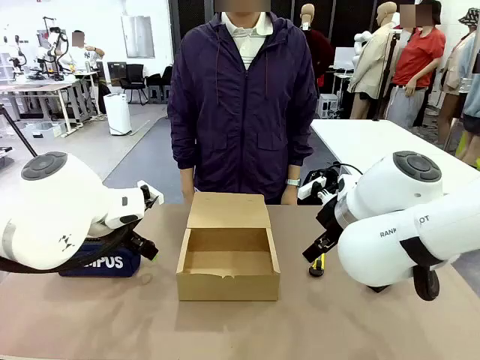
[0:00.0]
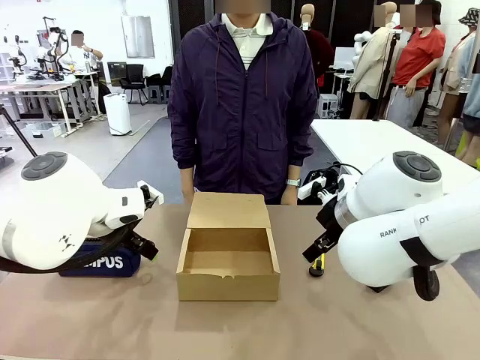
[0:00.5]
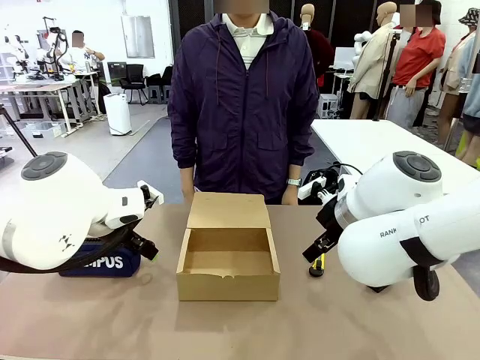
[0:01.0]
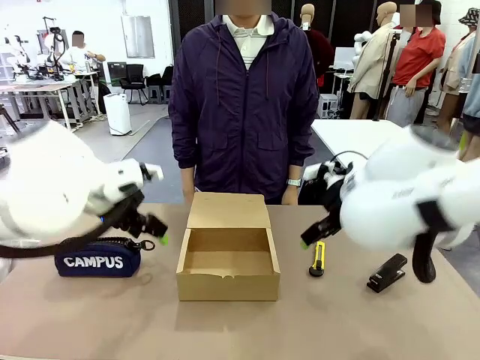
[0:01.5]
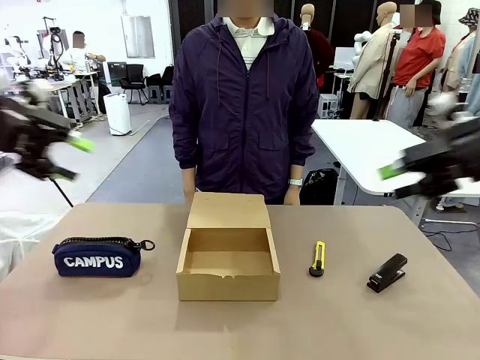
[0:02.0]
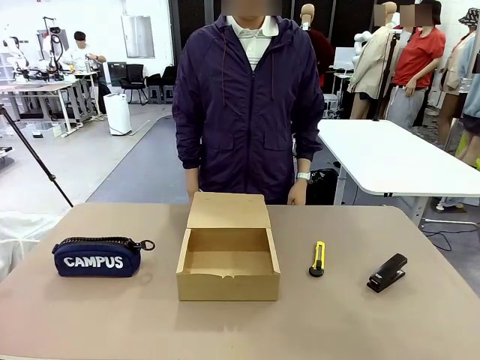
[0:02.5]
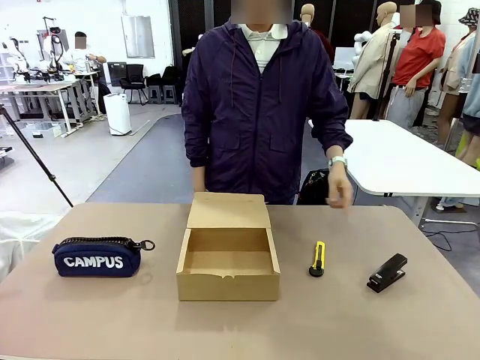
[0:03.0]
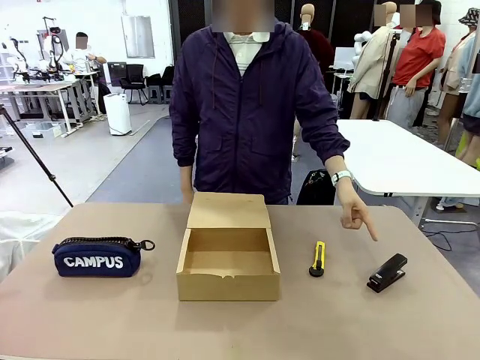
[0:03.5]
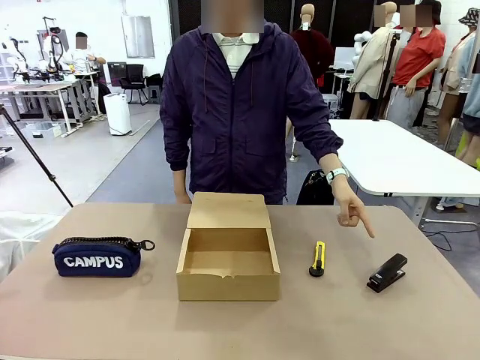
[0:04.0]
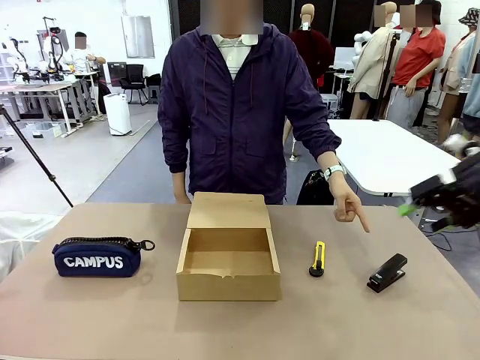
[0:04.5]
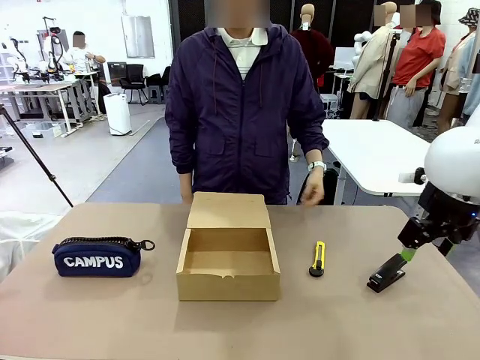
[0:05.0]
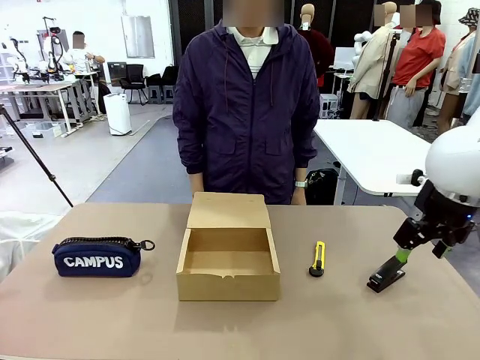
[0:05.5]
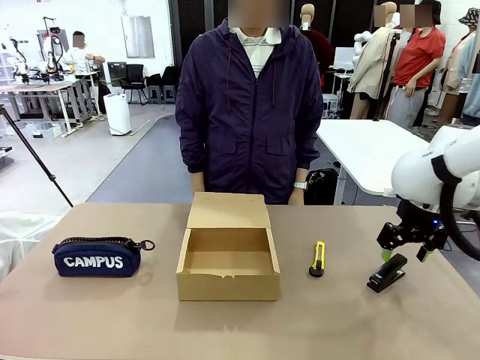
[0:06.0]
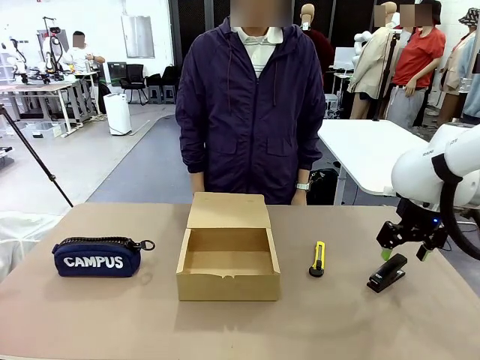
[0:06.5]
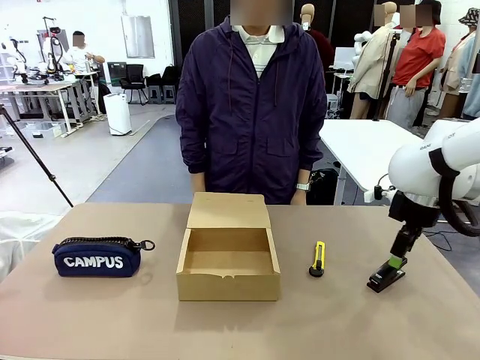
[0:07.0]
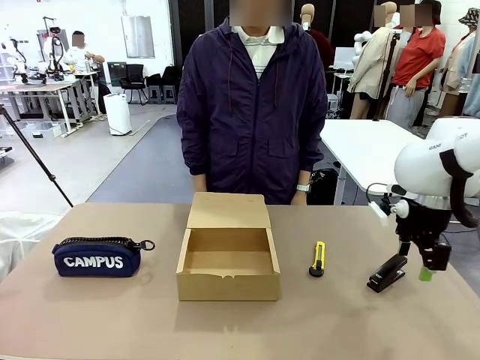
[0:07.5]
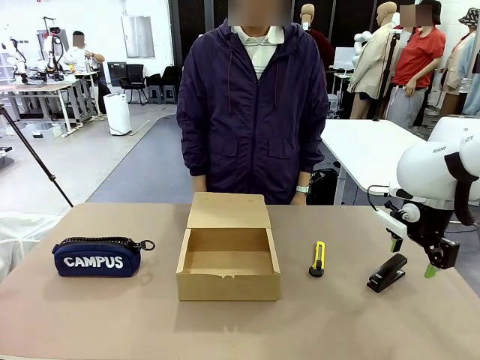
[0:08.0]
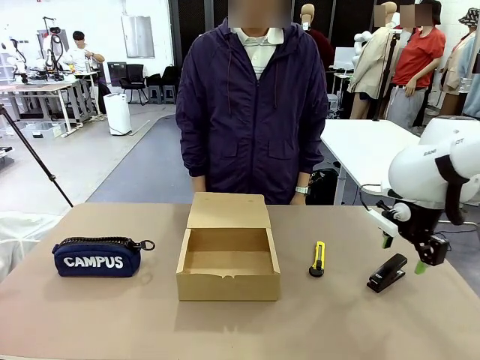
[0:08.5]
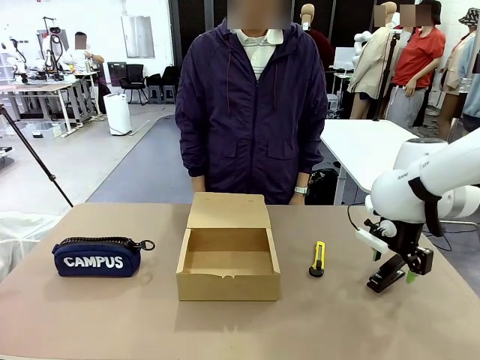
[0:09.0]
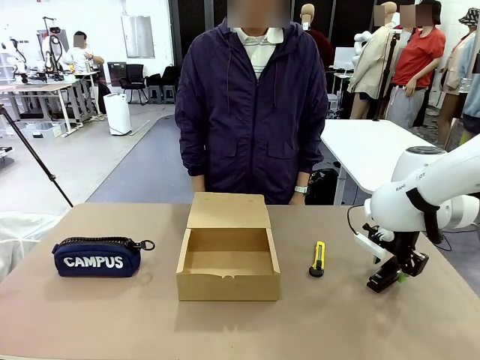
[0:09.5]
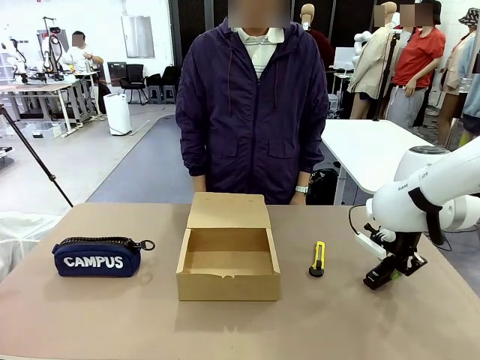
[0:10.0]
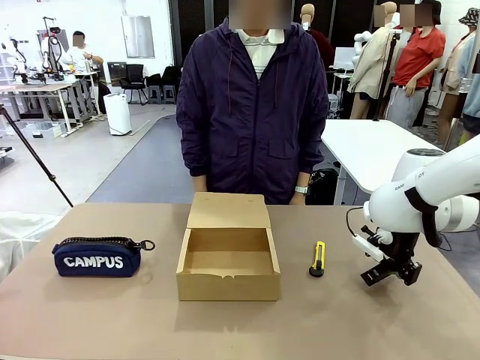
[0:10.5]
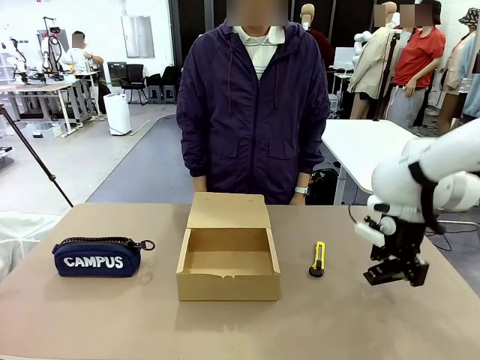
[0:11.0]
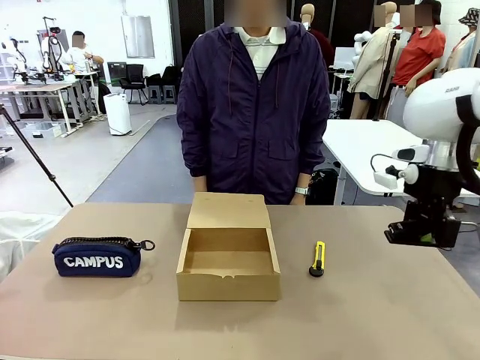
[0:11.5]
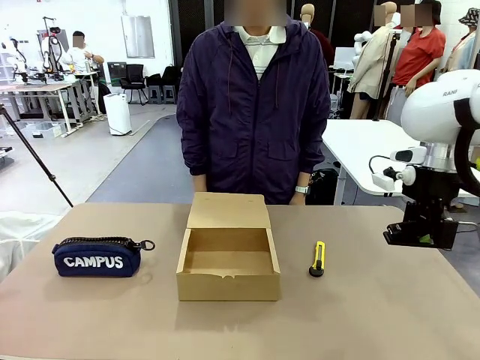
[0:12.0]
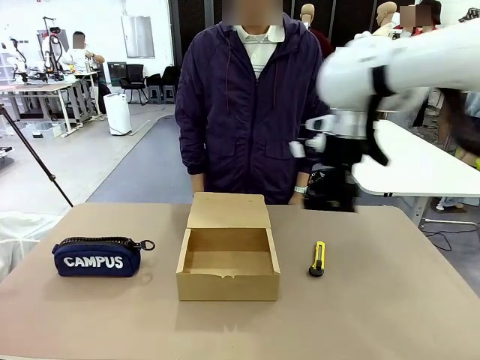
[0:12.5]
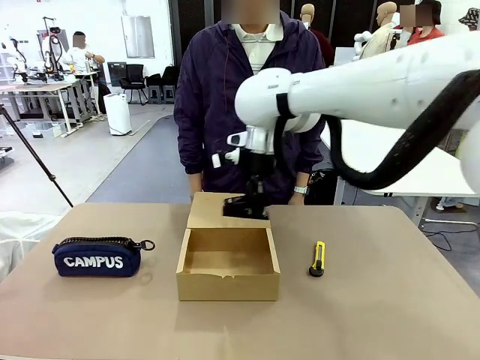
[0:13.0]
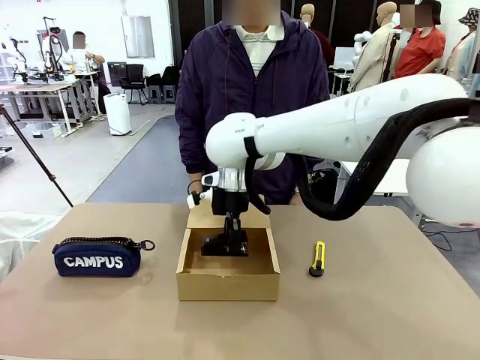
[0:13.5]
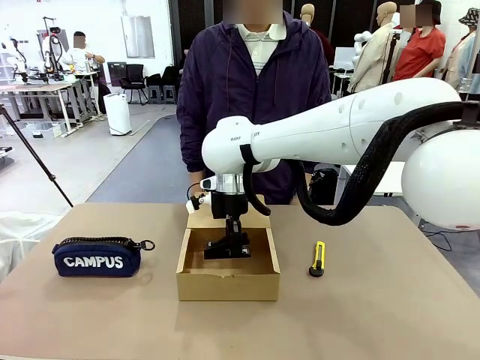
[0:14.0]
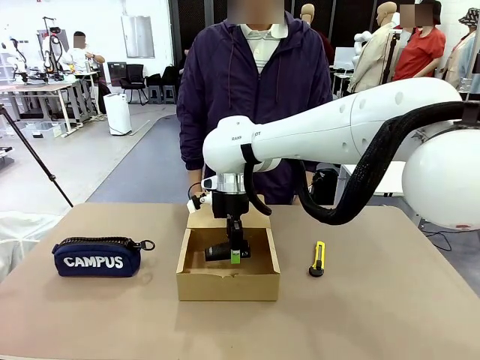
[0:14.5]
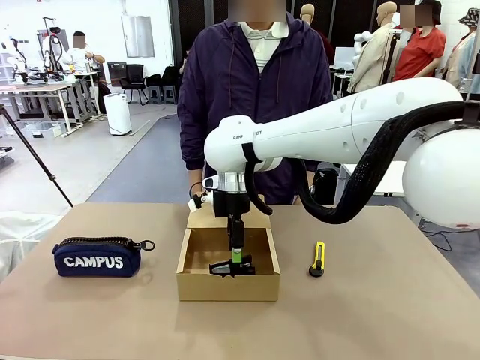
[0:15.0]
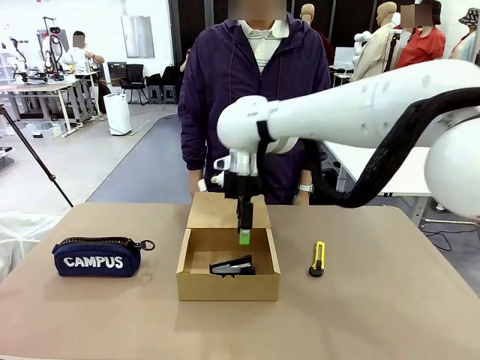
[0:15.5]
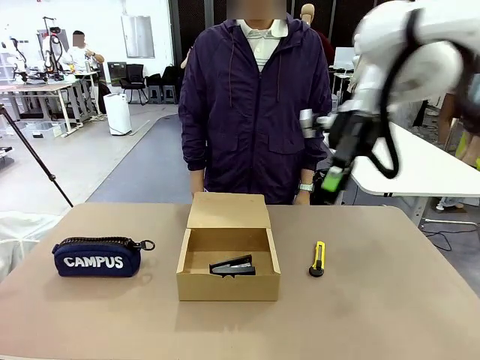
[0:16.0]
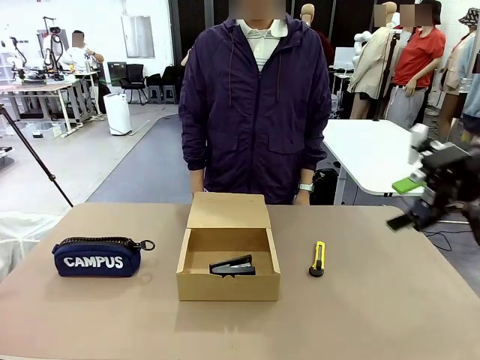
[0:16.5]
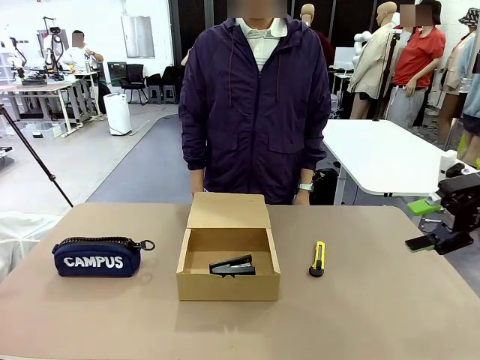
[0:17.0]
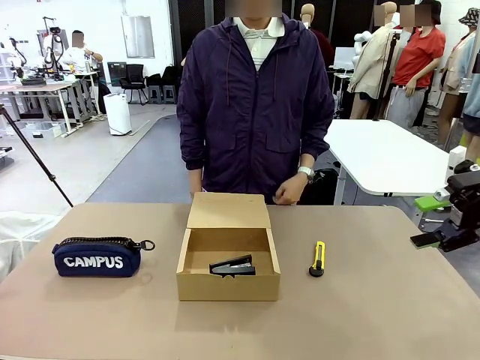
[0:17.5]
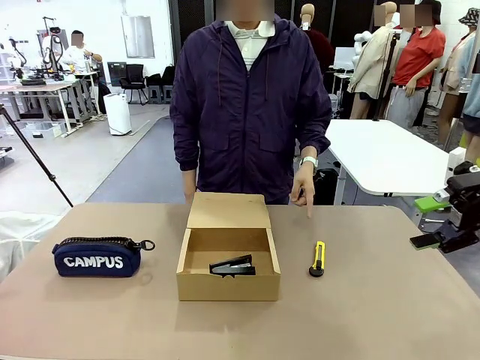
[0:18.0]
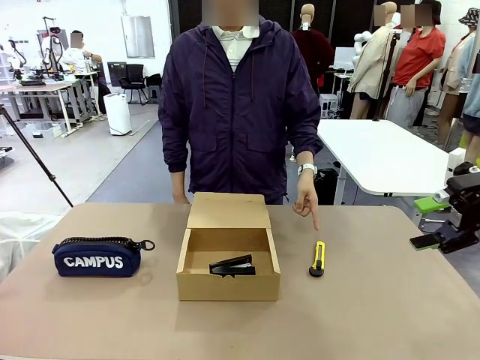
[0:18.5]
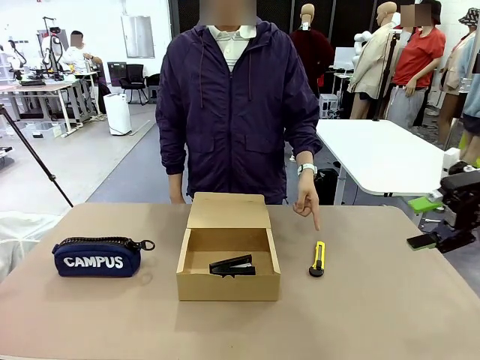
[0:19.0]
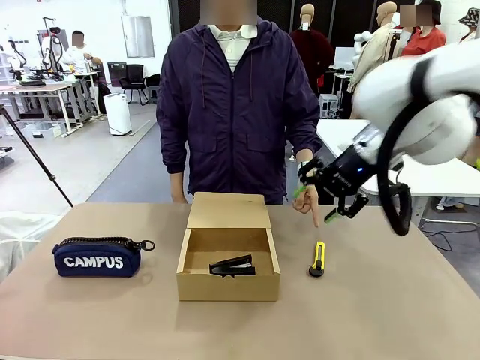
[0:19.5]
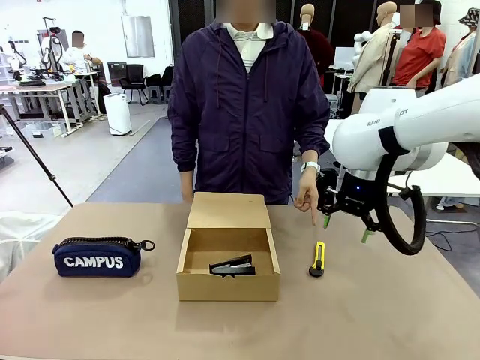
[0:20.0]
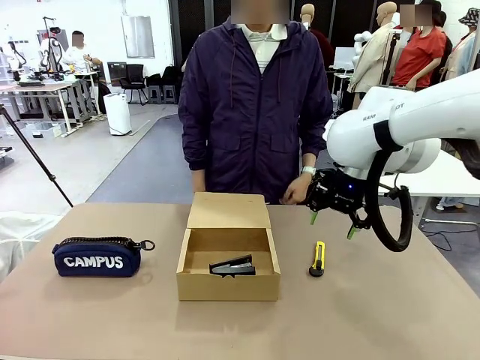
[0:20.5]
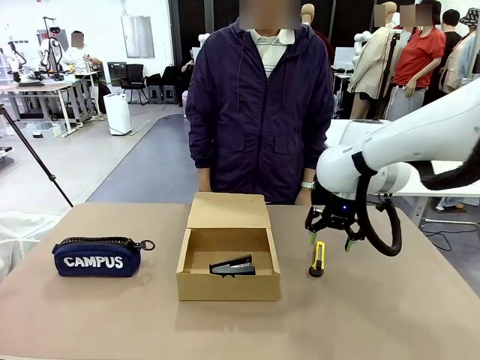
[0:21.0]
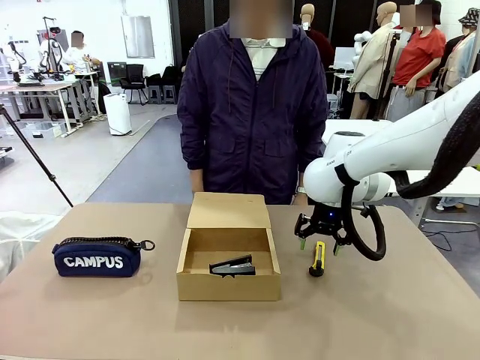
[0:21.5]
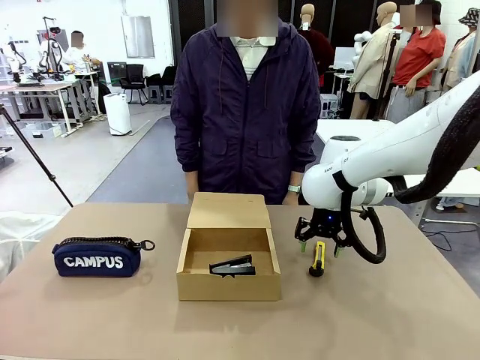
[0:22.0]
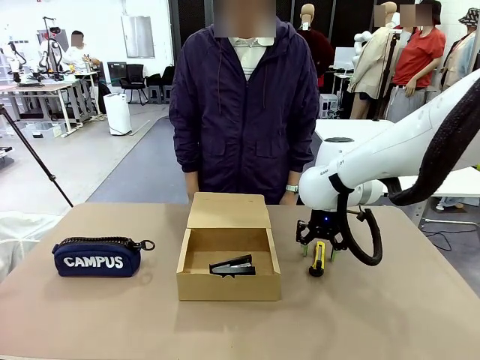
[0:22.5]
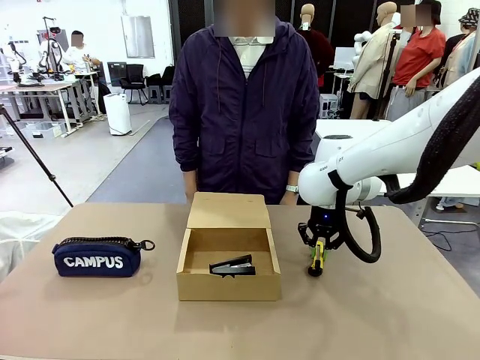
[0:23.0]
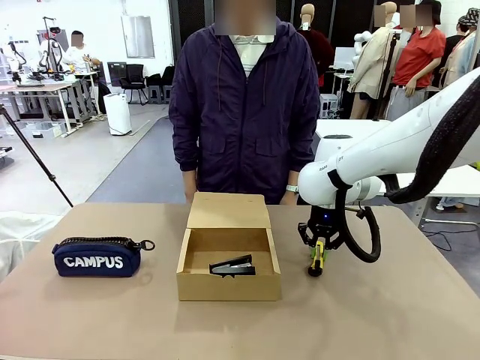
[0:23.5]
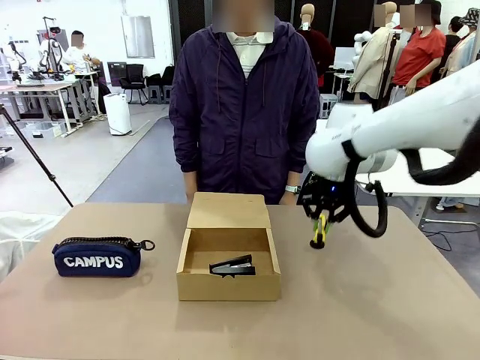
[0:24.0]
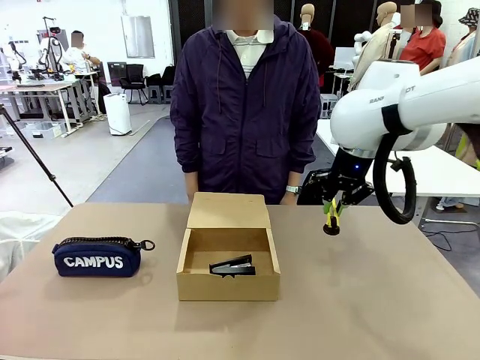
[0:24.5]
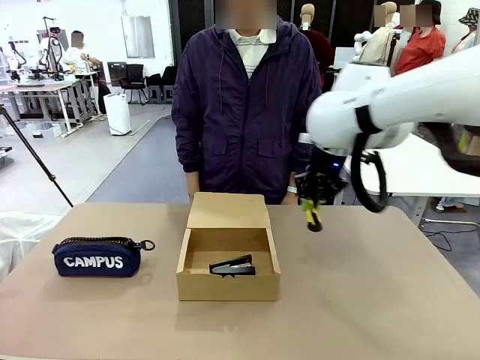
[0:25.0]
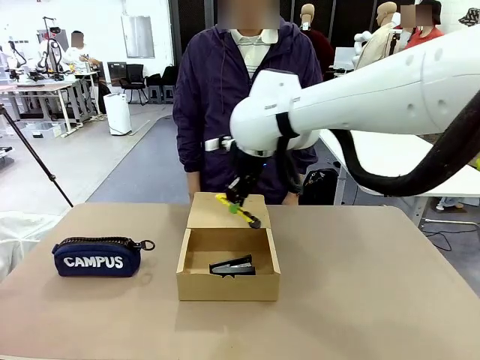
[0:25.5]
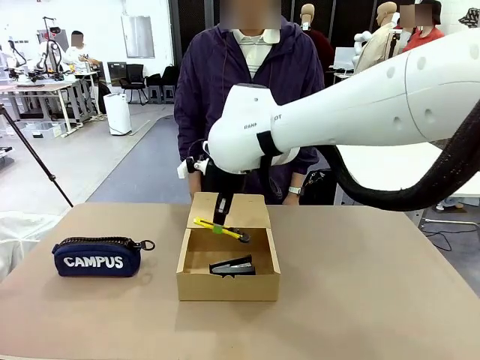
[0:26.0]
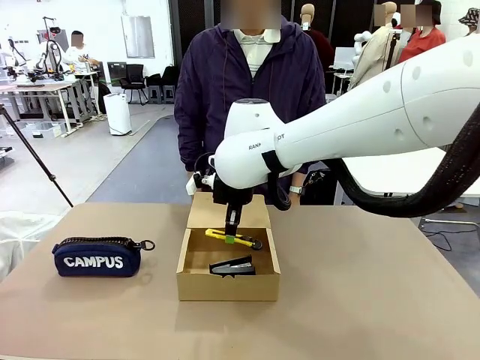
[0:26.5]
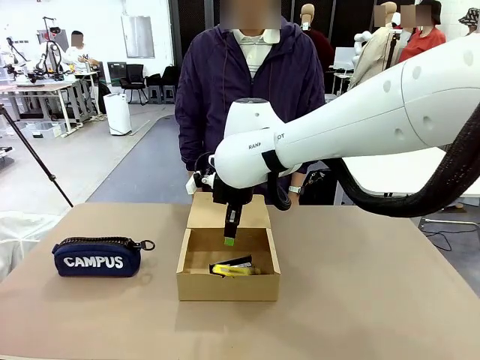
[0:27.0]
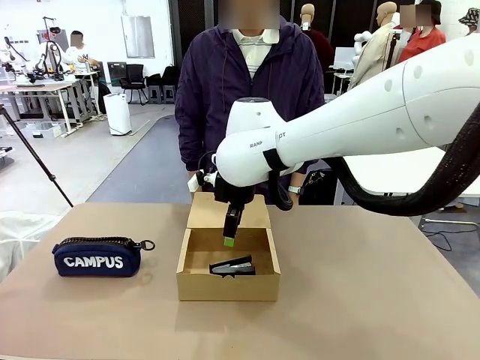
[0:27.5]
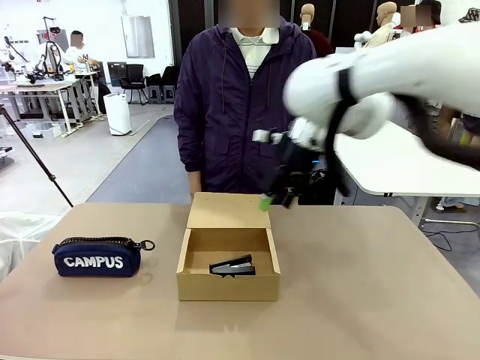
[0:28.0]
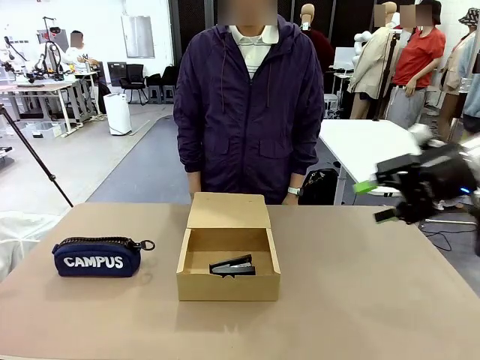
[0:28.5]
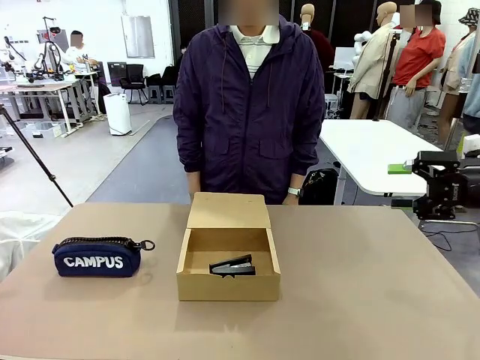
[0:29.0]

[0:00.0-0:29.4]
Task: Pack the items into the box.
Robot: Pick up the item specified by the human and place it in the Mailer Box.
Person: Point at one item on the table (excluding the box). Lower both hands vertically with palms facing downward, as if pressing something closed.
